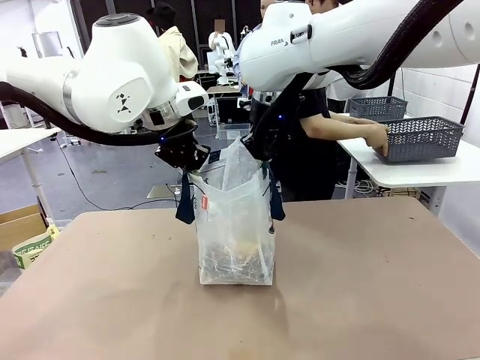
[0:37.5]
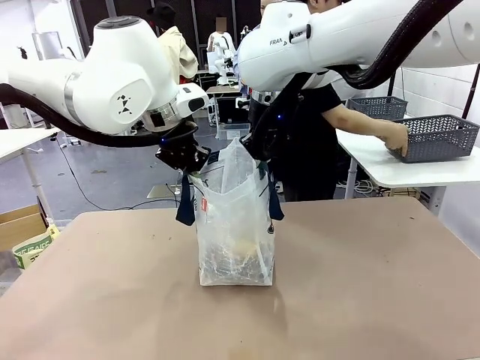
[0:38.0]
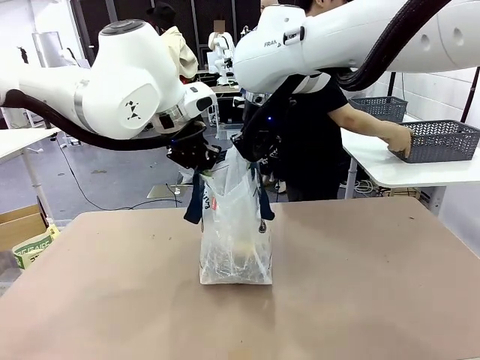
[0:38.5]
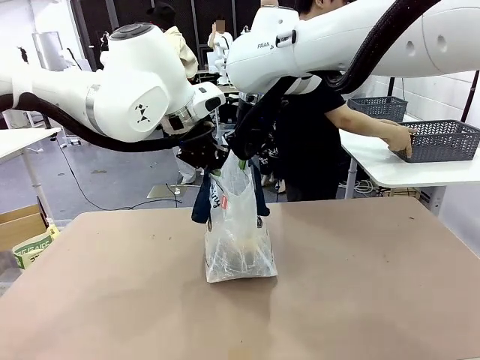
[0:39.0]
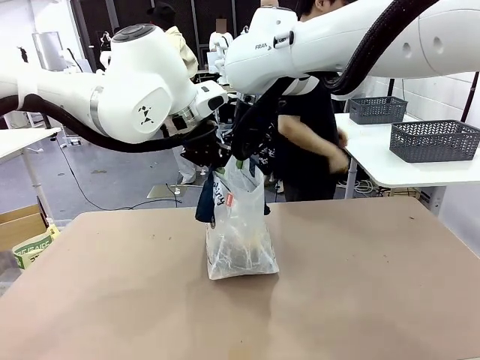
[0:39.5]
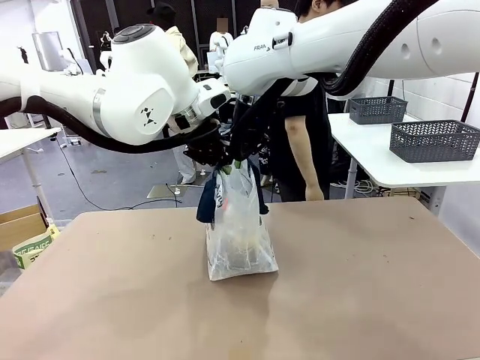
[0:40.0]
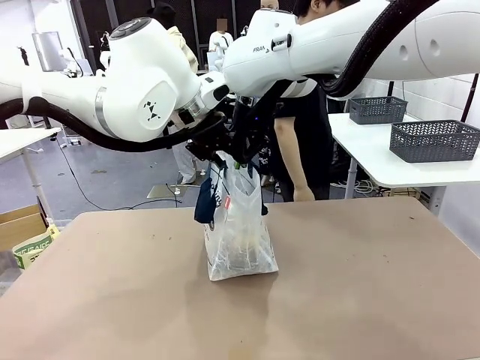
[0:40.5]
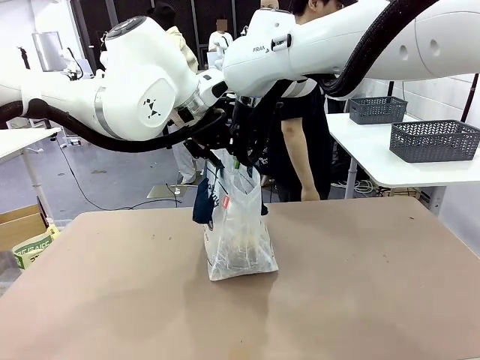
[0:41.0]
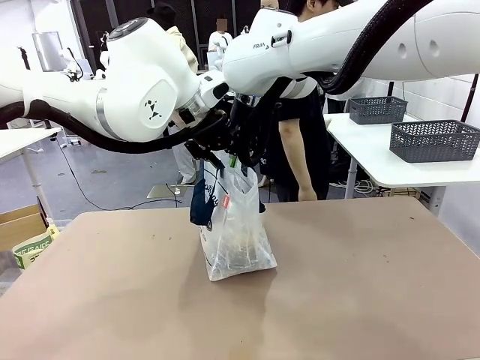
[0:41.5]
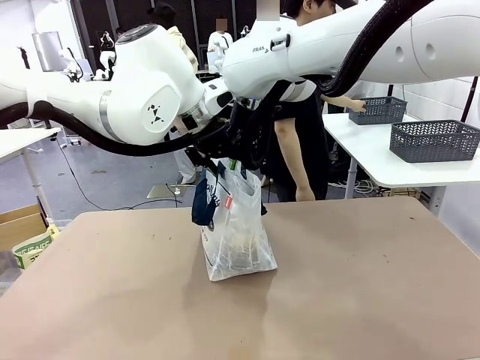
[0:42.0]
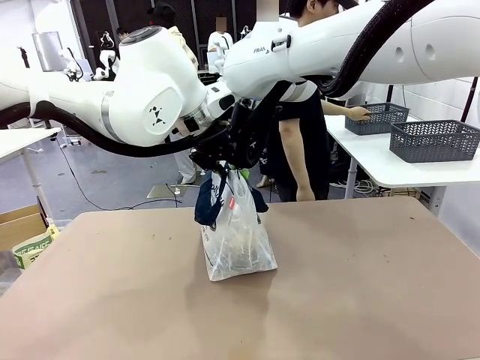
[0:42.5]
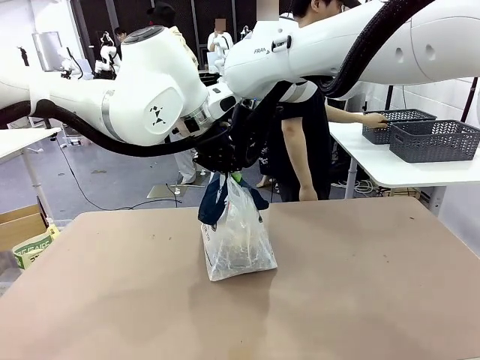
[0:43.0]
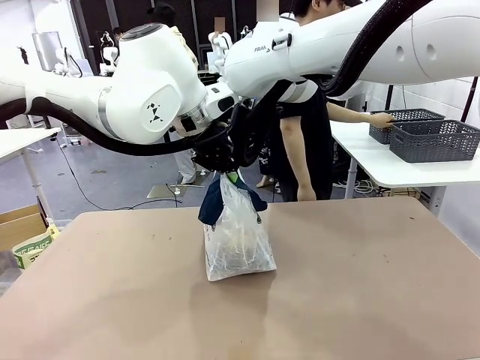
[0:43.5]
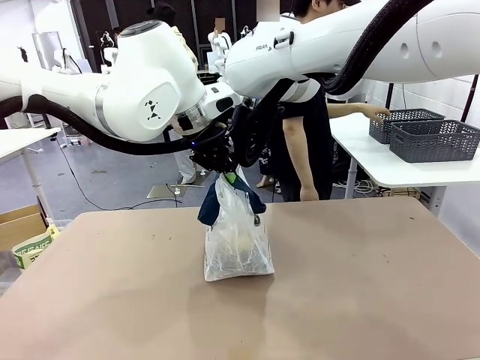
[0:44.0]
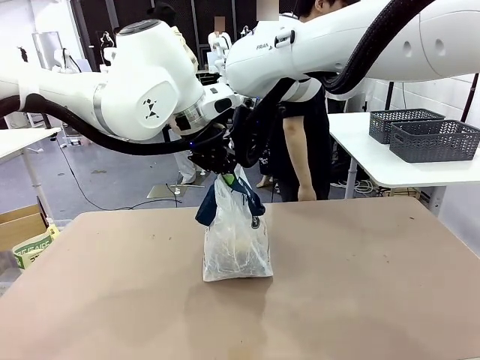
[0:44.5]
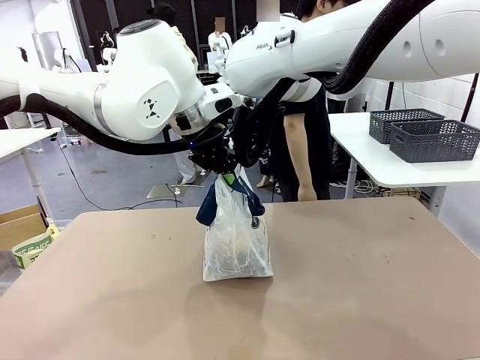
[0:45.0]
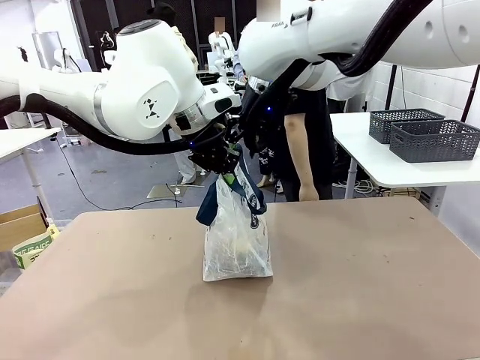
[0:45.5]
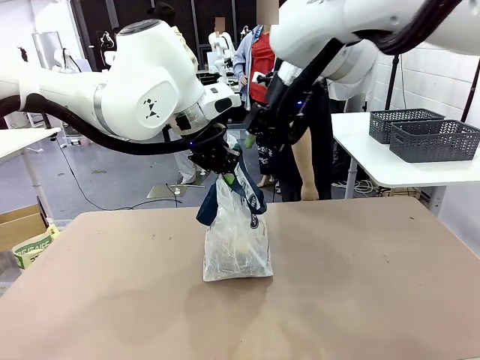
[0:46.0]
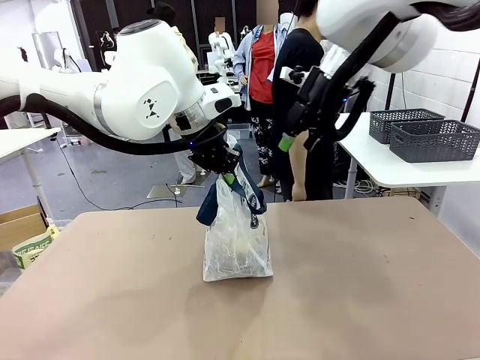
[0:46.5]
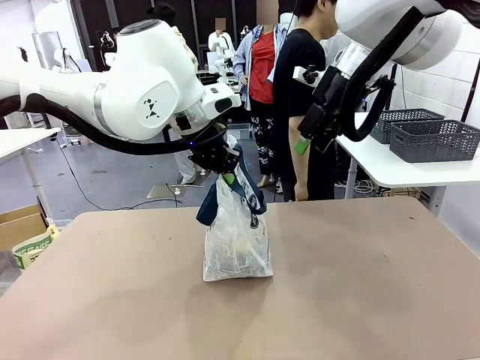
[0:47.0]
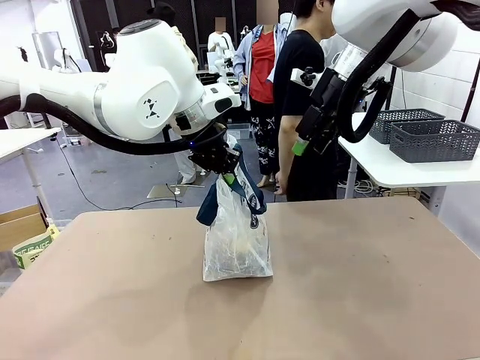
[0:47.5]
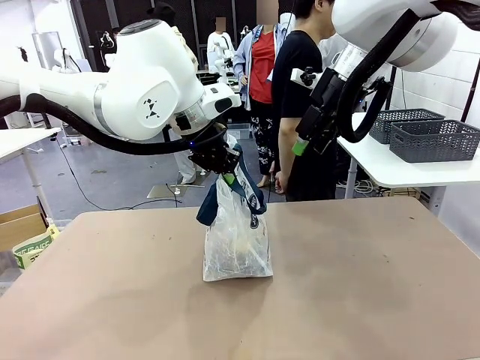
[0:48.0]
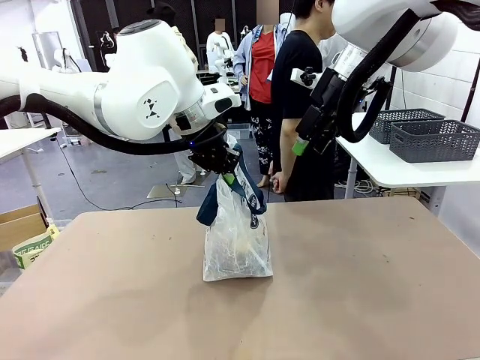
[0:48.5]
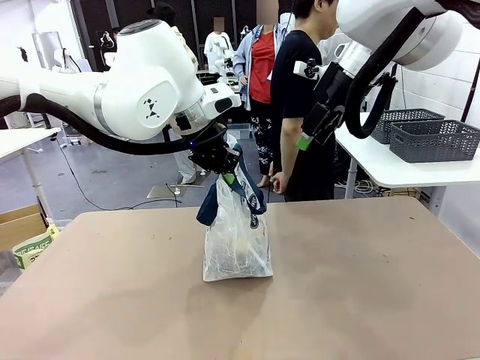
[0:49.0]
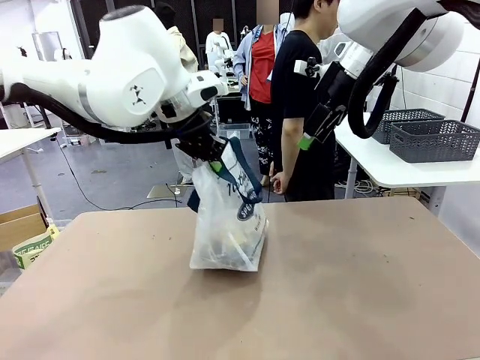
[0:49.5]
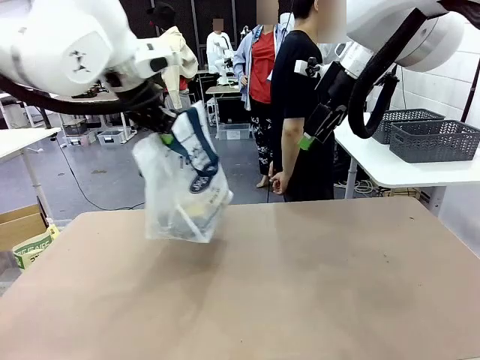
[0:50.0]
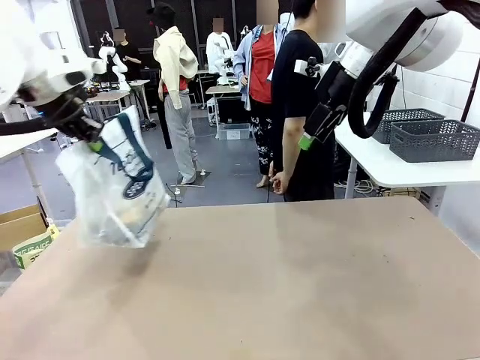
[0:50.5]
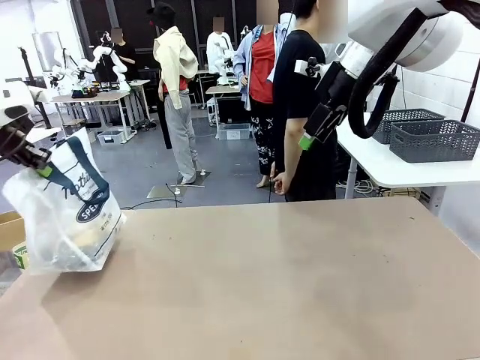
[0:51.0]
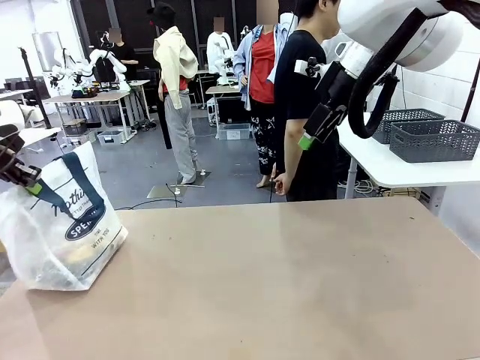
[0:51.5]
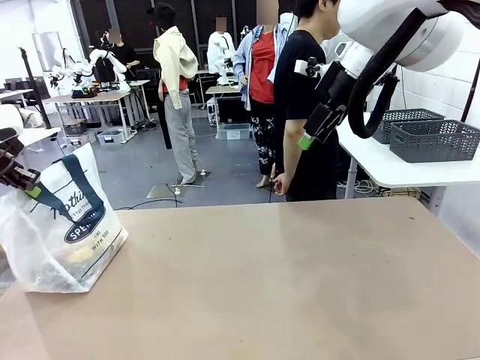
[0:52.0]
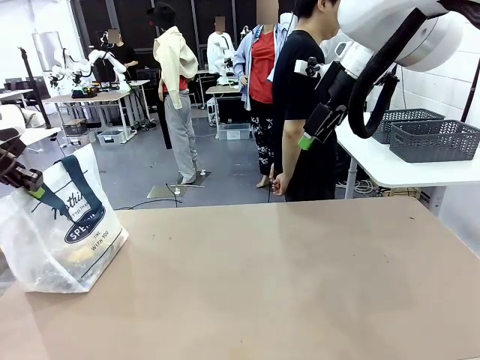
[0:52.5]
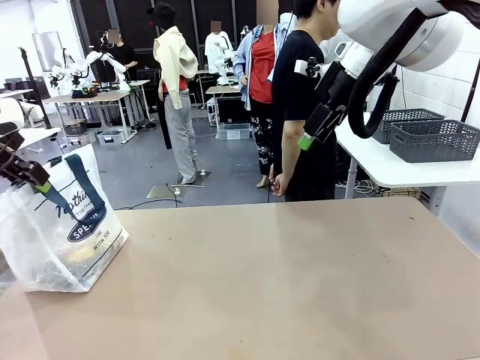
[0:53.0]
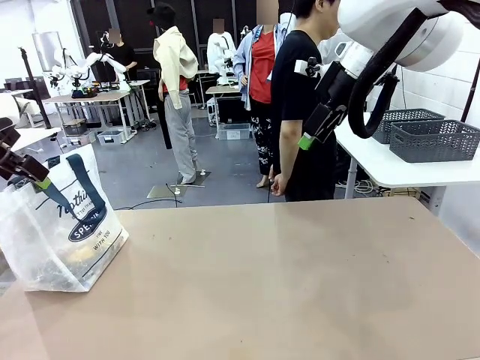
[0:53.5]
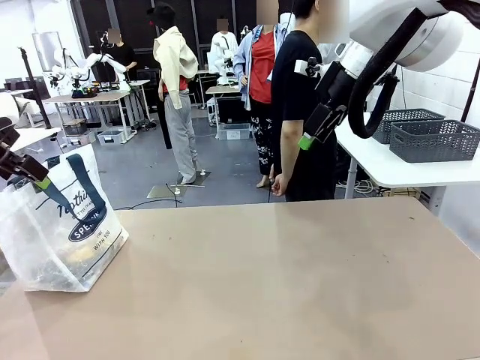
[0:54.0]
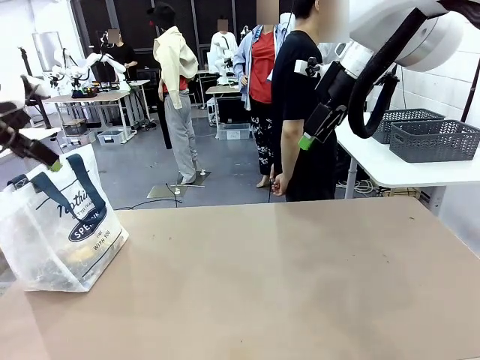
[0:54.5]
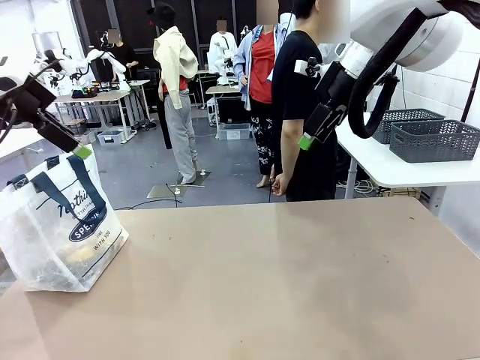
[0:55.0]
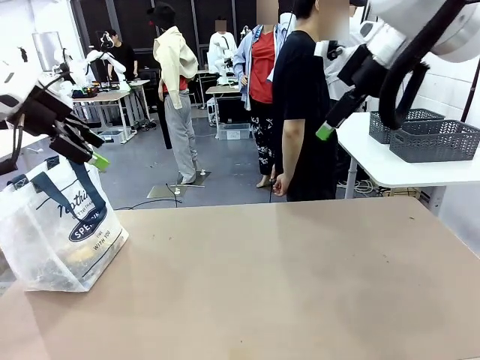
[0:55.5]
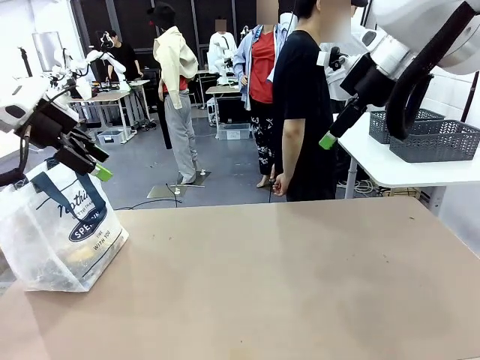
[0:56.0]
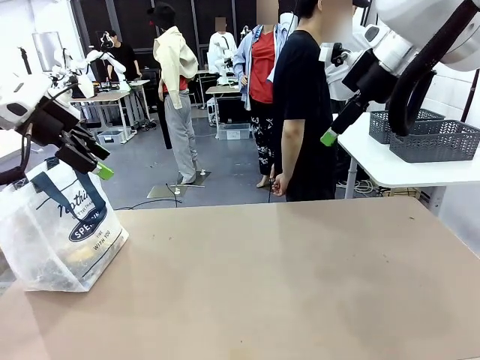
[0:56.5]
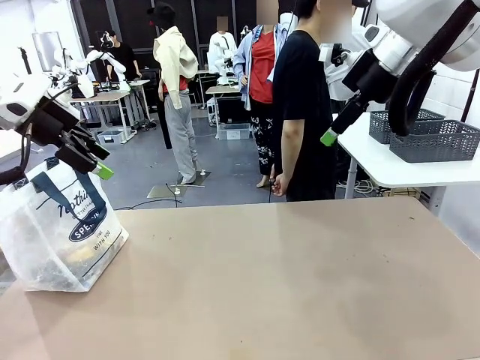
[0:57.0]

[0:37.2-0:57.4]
Task: Transfer purchased items from the store into the shopping bag.
Robot: Move the Reusable shopping bag to the right side of the table.
Person: Pick up the basket with the items out and place it on the right side of the human table. Move the basket on the left to the middle of the person's table.
